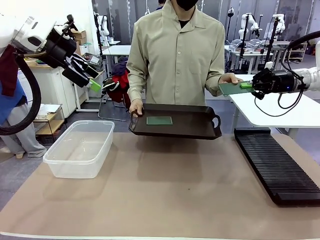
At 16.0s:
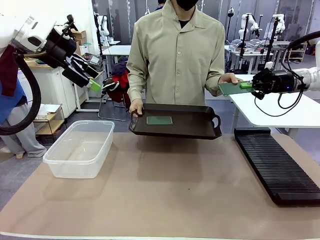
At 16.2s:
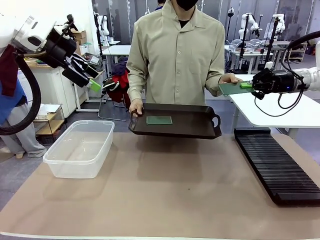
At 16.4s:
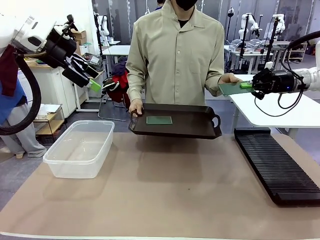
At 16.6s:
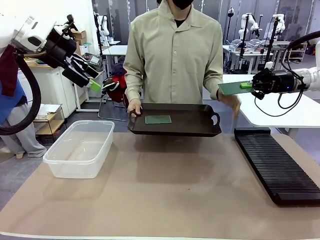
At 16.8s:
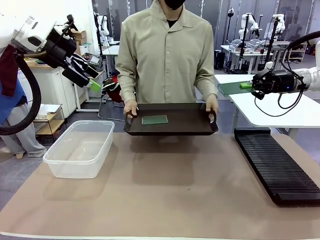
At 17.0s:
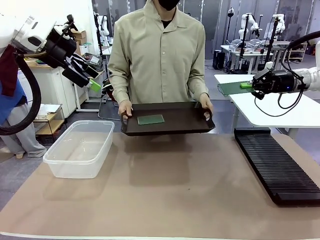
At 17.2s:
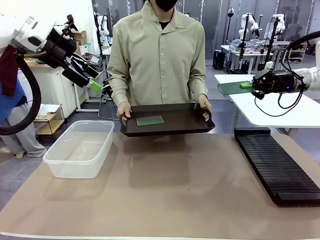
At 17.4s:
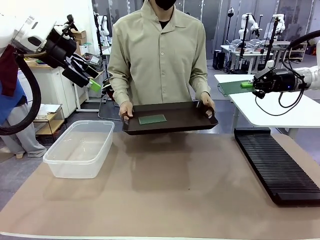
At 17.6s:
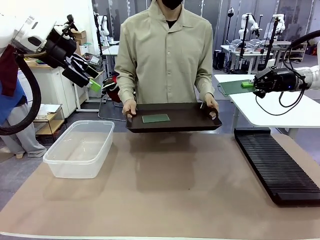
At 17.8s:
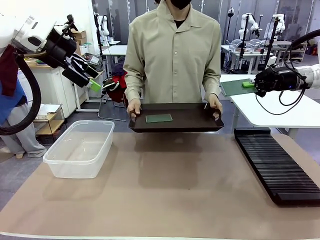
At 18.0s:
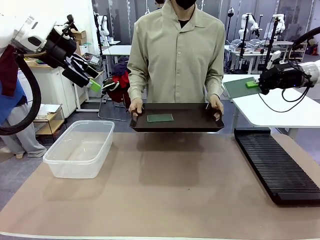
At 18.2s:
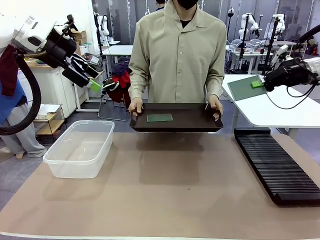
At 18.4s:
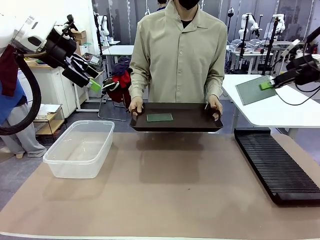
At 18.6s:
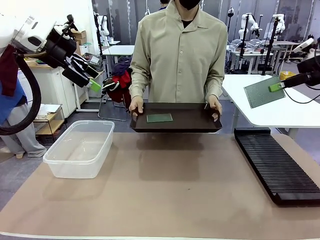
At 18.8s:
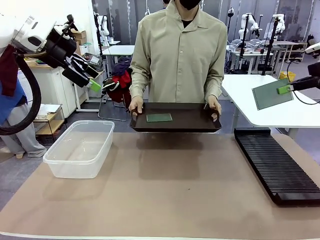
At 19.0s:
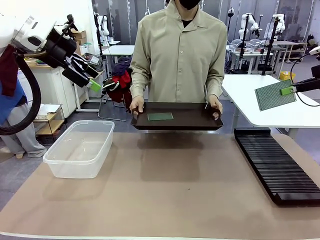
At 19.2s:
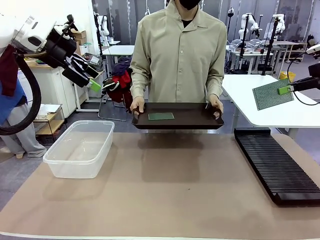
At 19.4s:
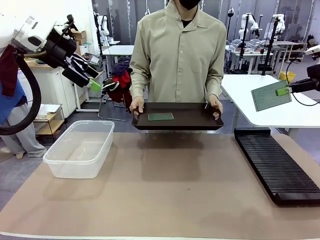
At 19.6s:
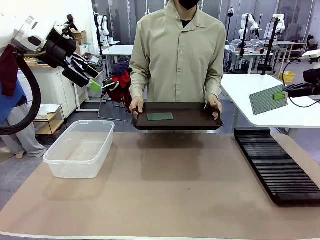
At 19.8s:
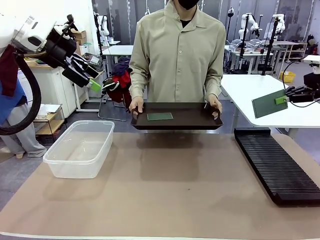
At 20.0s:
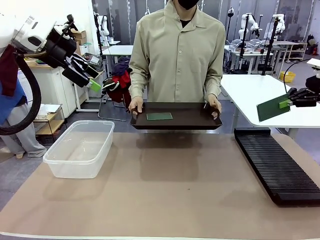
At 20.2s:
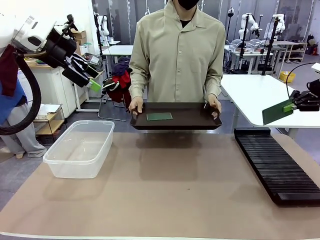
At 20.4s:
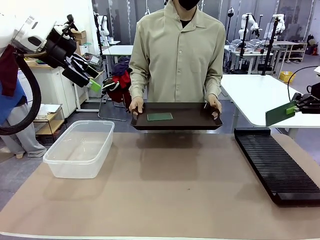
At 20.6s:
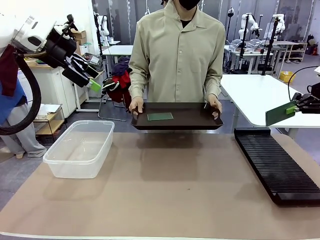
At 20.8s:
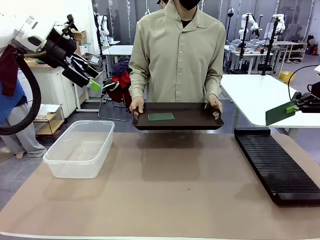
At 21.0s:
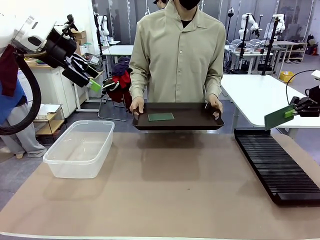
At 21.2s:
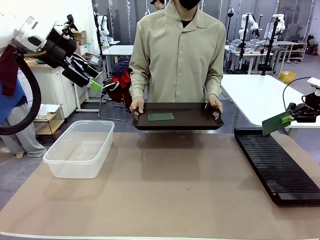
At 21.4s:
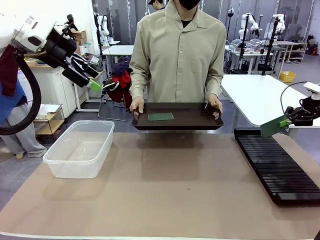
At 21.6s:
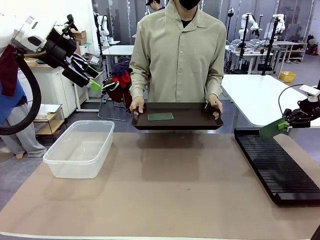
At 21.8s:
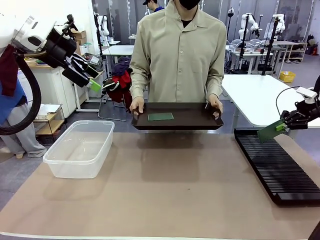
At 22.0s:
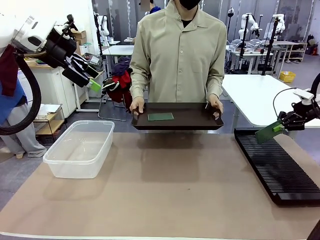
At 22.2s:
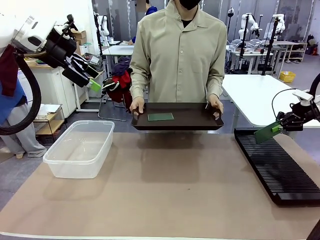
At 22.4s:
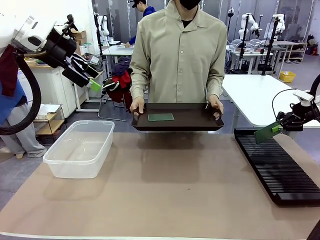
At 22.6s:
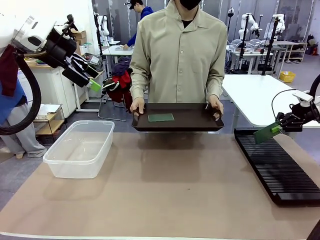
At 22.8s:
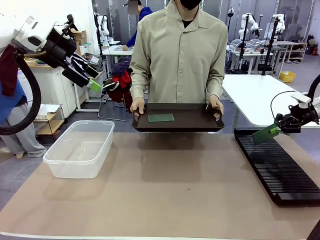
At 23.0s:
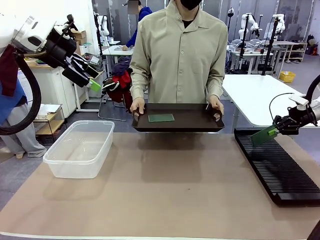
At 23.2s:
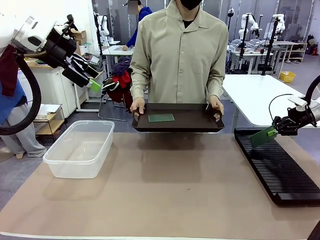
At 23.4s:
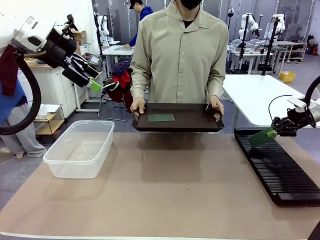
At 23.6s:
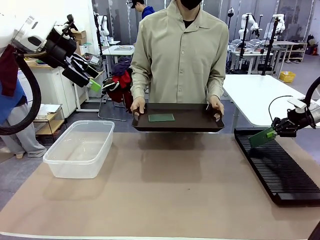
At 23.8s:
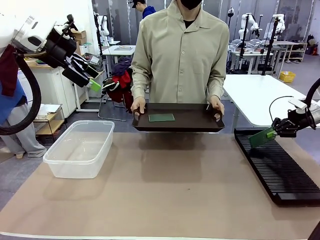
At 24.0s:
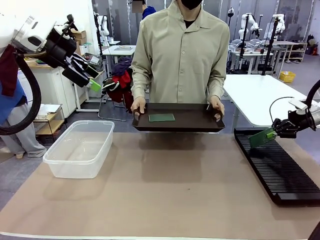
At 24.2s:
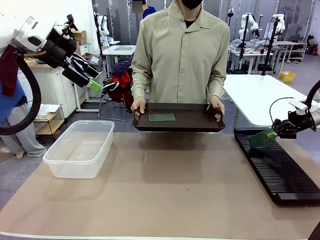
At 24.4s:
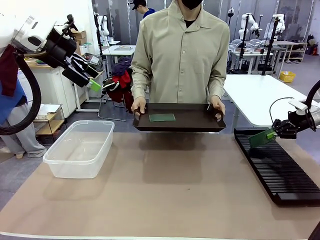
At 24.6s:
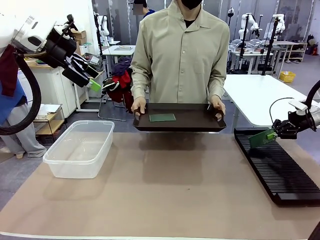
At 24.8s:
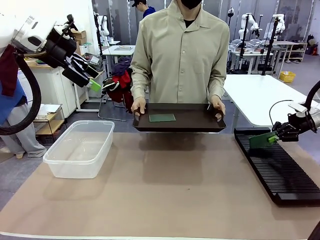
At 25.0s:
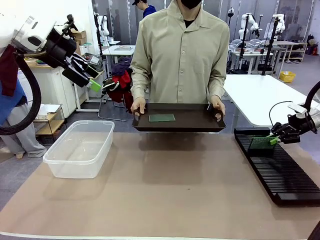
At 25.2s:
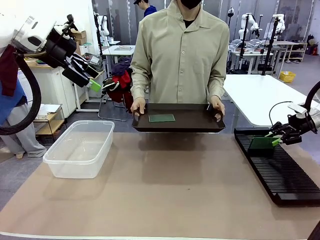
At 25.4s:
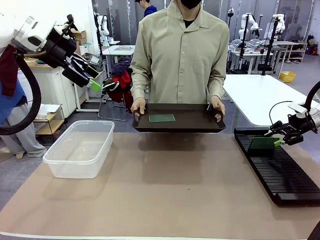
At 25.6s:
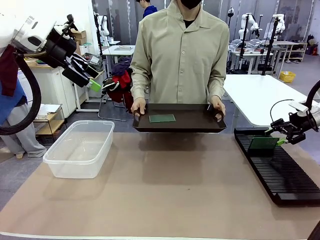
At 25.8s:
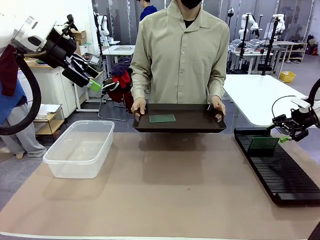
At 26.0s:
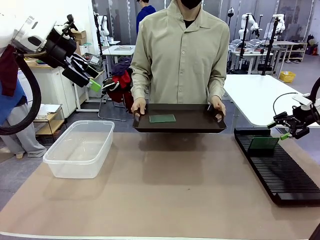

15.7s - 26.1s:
Task: Sort PCBs into racks and boxes based on the side picked up.
Robot: If the short side of the Blank PCB is picked up, insert it into the PCB Rack ; if the long side is picked up, place it in the Organizing box.
Person: Pick one PCB from the tray and present it to the robot.

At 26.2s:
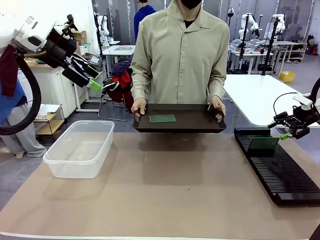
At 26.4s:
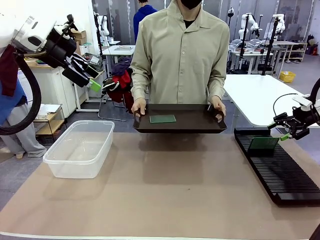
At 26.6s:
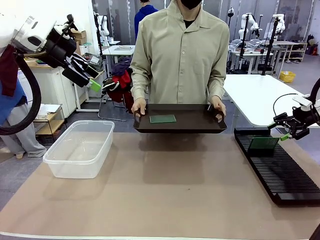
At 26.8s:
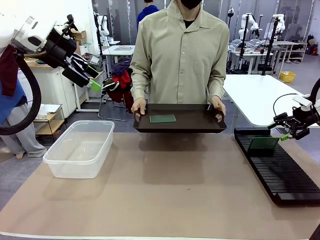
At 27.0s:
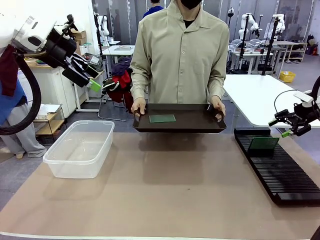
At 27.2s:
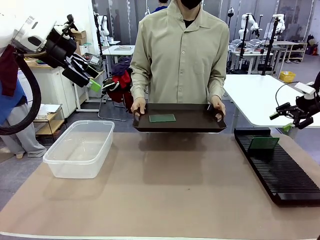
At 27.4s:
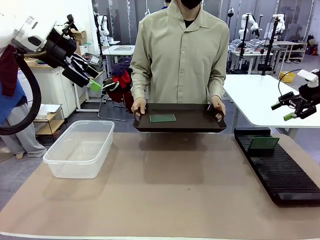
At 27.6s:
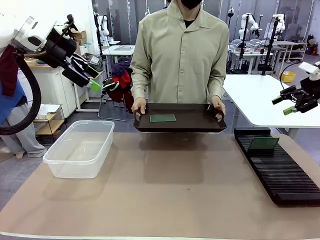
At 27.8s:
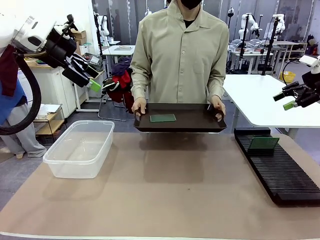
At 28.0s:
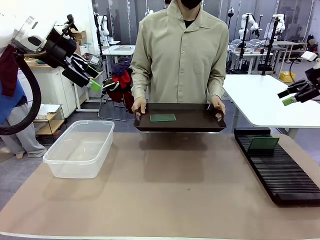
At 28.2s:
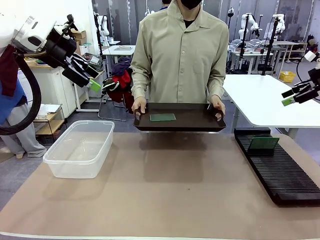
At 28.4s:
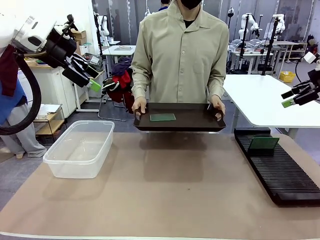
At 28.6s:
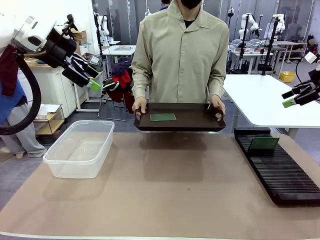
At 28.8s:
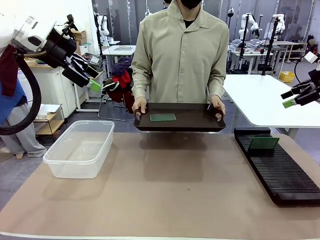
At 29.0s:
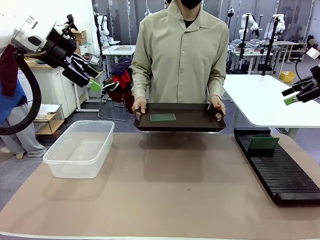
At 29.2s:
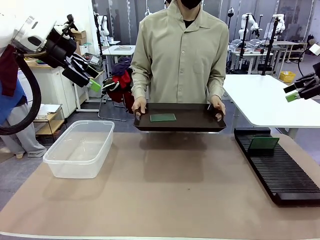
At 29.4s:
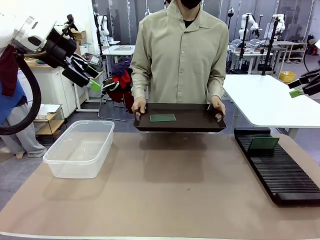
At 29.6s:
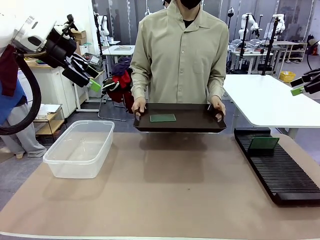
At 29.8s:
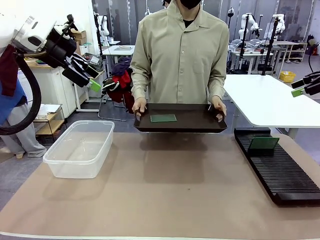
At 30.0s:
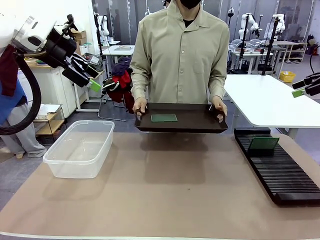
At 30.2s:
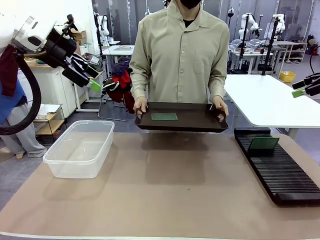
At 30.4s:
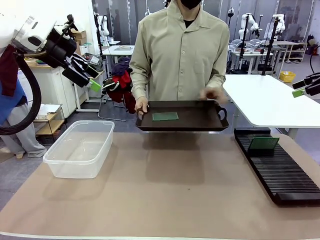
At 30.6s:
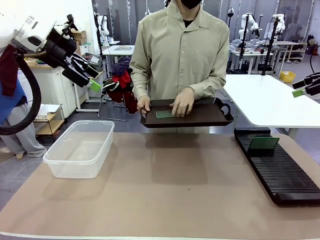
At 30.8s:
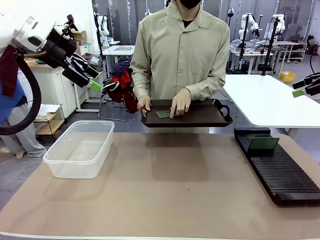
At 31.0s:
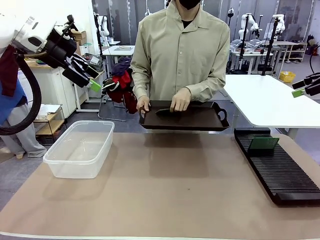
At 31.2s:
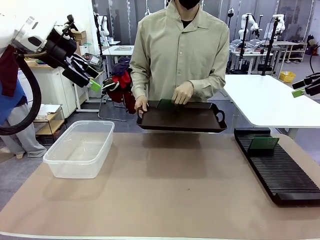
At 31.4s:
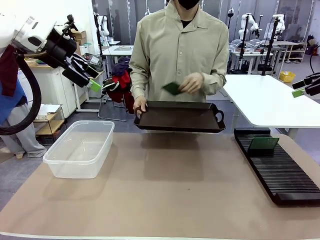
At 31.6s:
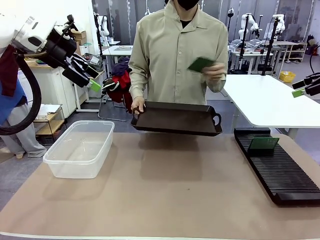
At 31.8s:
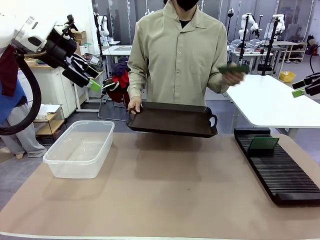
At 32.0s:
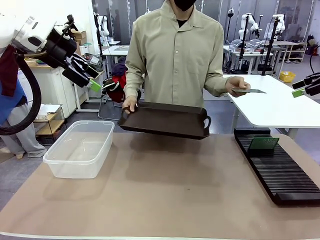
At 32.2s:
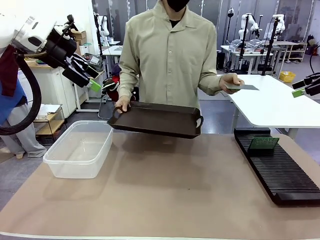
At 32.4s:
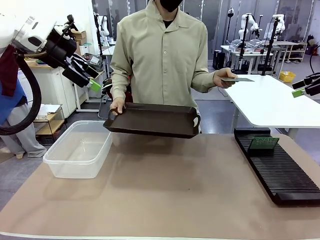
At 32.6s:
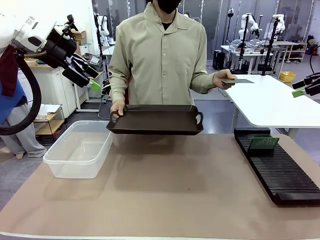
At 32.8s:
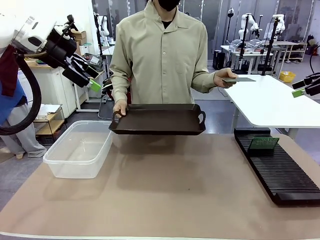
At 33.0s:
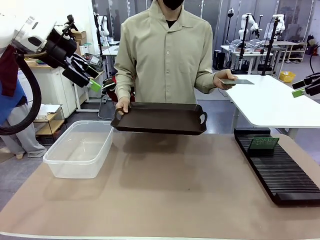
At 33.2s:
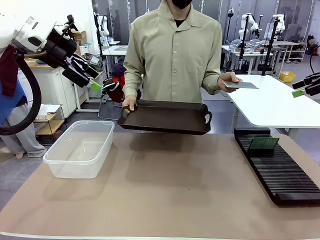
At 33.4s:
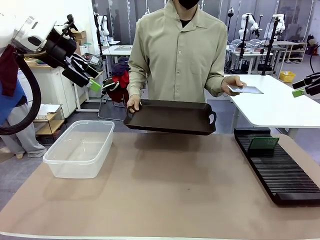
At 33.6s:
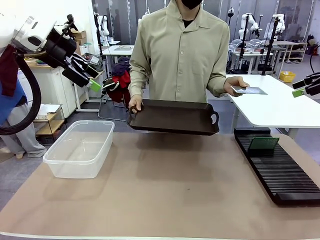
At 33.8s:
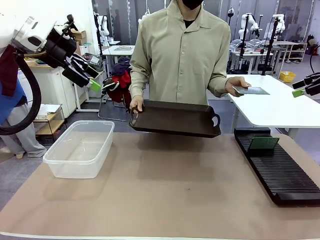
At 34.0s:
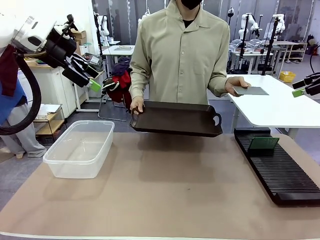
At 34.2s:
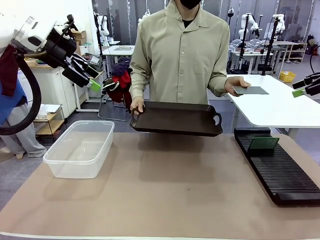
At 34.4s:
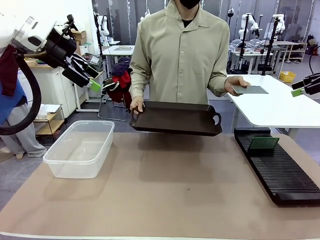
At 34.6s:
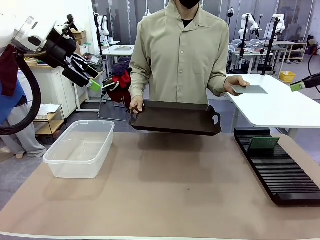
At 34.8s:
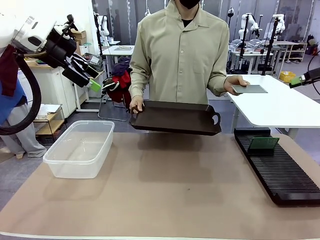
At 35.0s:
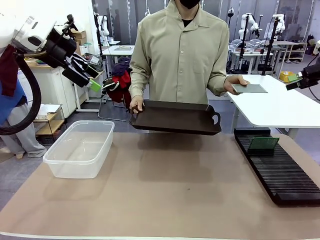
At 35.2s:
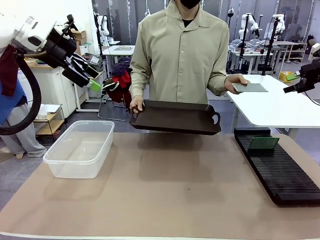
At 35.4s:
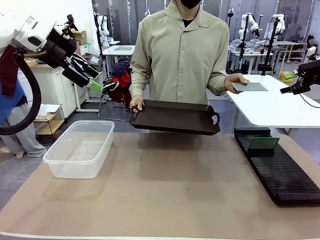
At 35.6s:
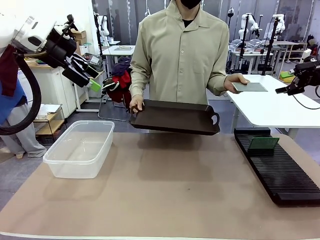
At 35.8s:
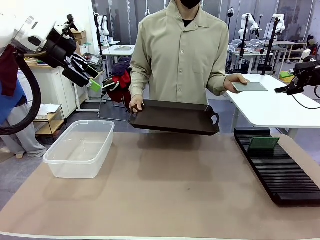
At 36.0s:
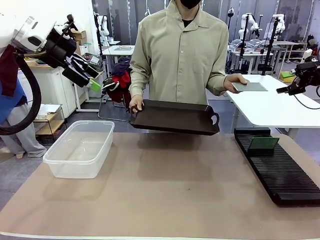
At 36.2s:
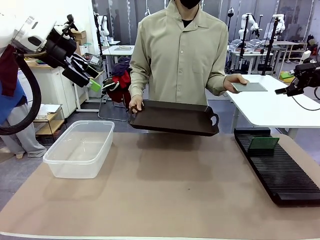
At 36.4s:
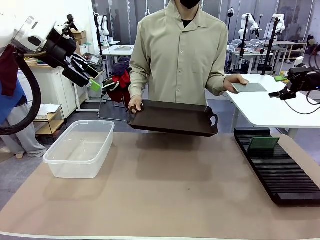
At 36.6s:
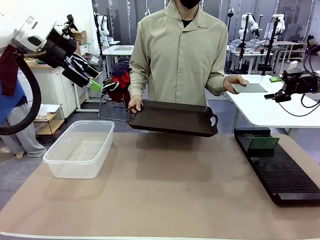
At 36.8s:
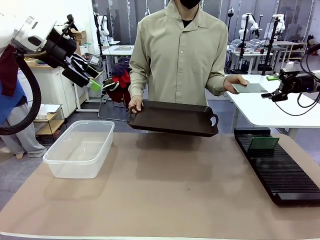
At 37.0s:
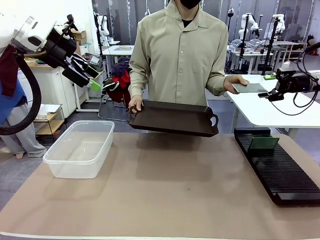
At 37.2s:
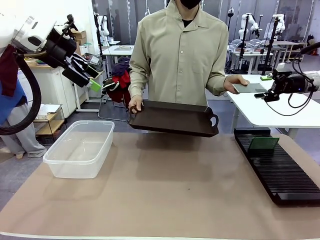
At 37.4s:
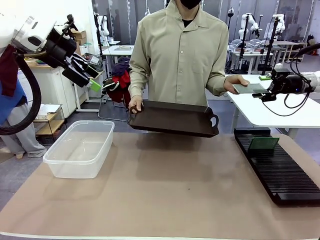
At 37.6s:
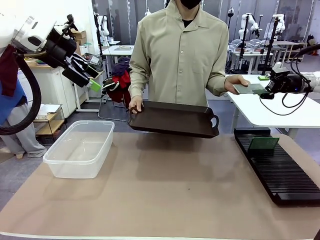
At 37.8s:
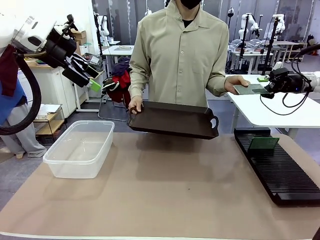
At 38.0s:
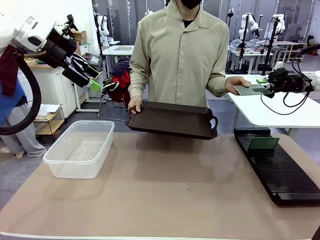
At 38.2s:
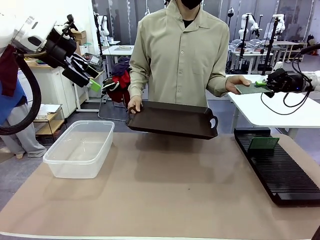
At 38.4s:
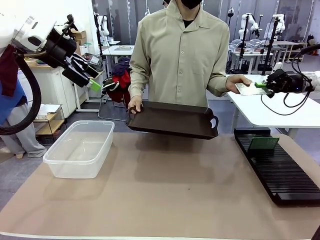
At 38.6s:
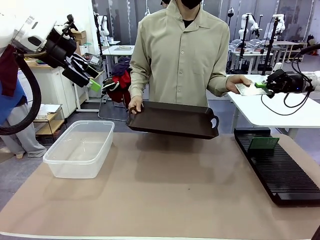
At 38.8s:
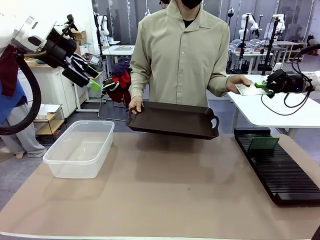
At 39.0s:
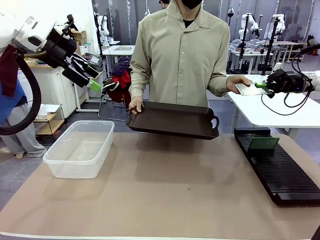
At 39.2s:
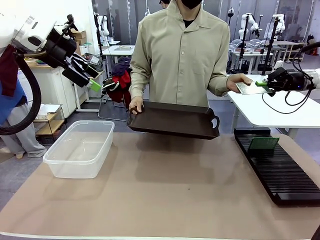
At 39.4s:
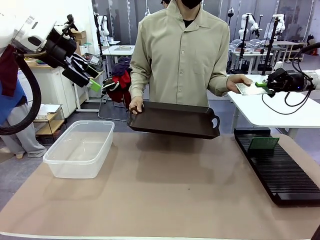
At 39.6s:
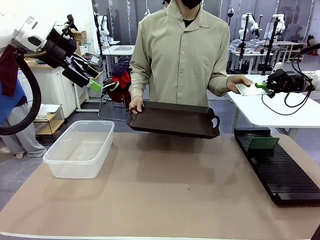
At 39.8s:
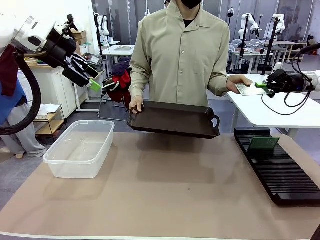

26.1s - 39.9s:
Robot: Pick up the Blank PCB handed by the Human.
